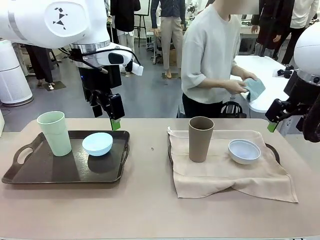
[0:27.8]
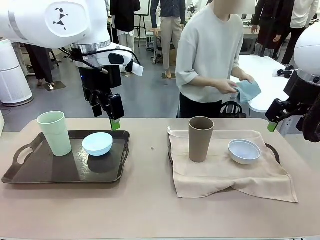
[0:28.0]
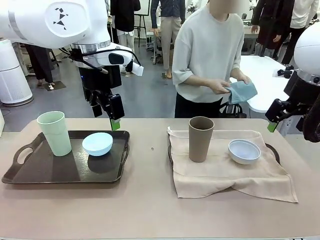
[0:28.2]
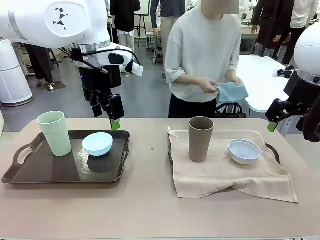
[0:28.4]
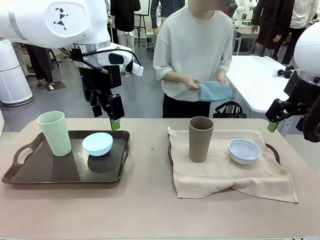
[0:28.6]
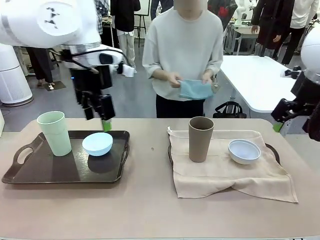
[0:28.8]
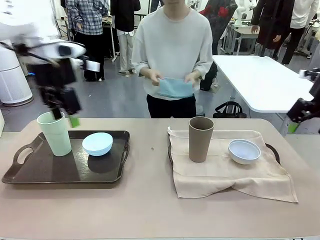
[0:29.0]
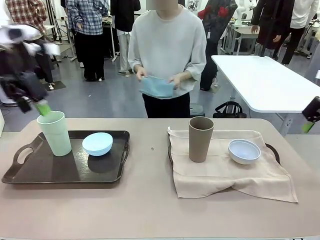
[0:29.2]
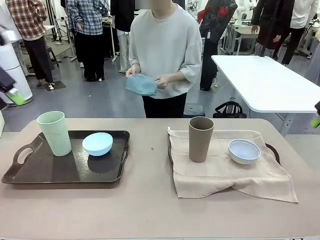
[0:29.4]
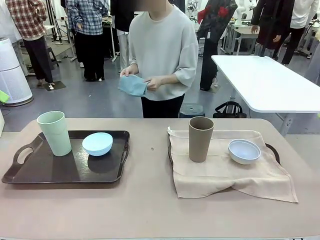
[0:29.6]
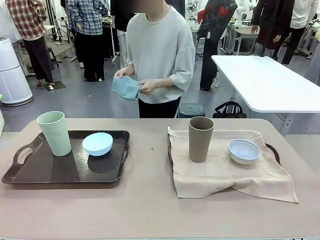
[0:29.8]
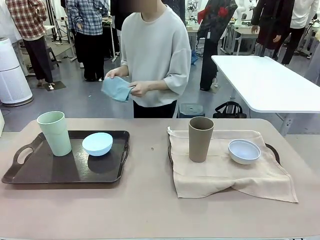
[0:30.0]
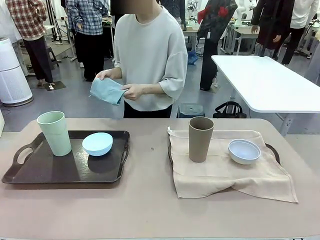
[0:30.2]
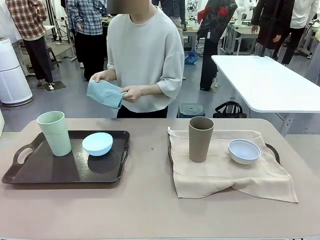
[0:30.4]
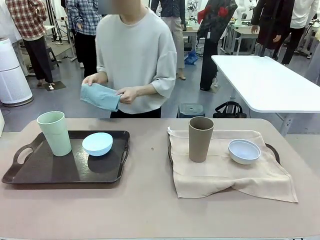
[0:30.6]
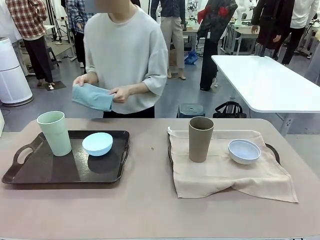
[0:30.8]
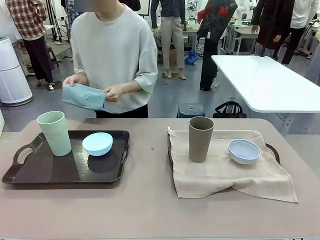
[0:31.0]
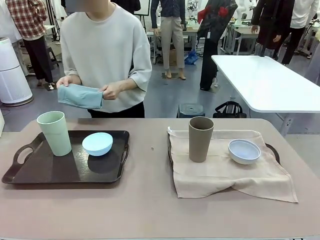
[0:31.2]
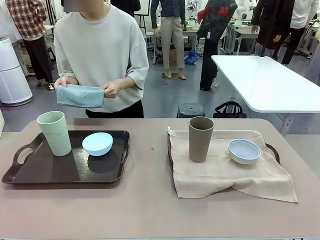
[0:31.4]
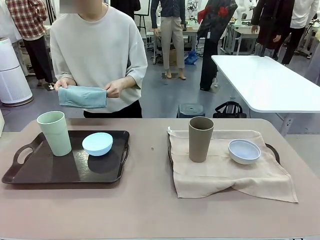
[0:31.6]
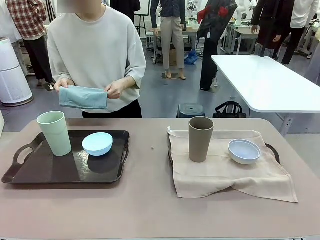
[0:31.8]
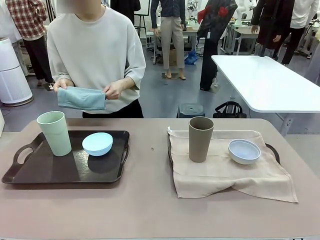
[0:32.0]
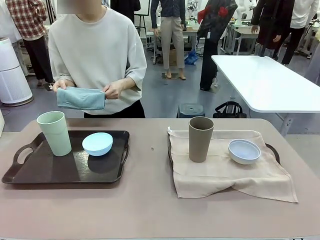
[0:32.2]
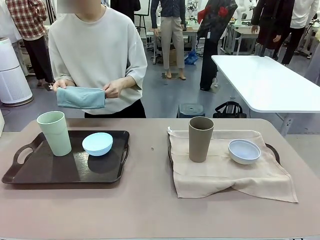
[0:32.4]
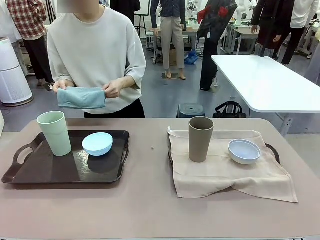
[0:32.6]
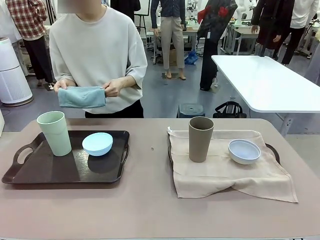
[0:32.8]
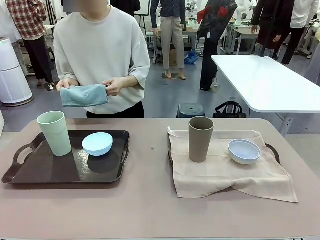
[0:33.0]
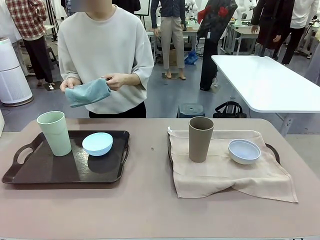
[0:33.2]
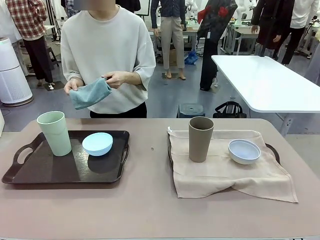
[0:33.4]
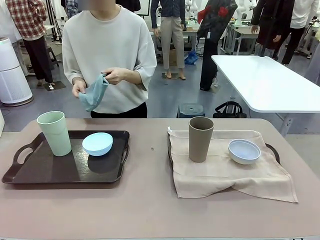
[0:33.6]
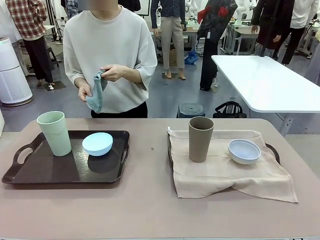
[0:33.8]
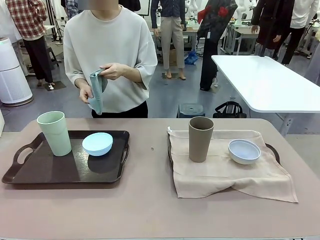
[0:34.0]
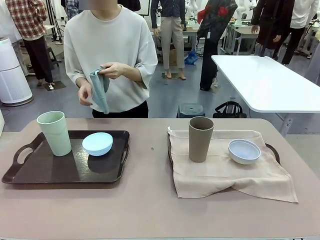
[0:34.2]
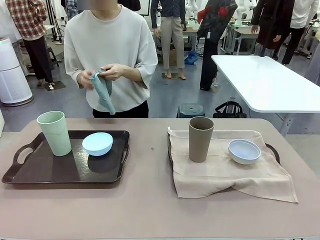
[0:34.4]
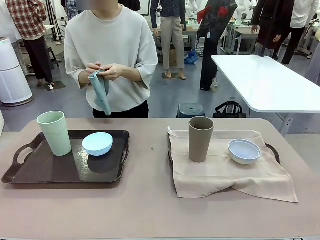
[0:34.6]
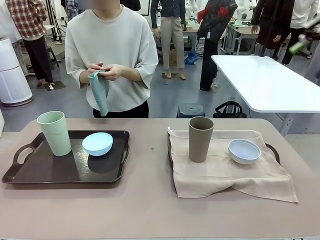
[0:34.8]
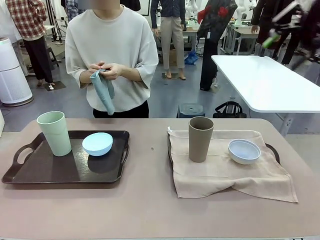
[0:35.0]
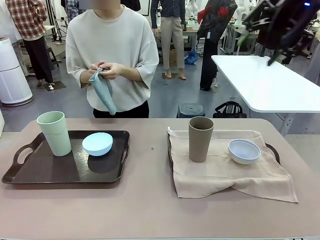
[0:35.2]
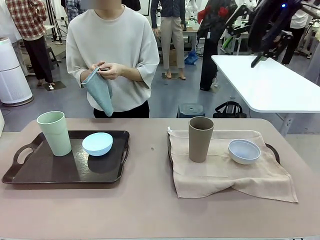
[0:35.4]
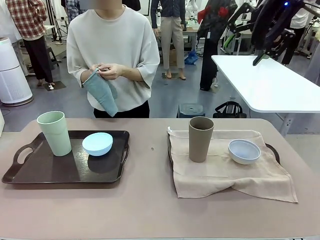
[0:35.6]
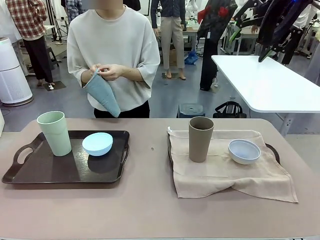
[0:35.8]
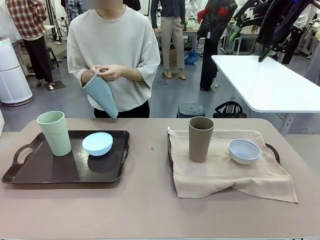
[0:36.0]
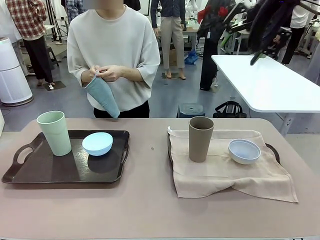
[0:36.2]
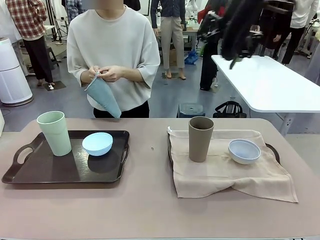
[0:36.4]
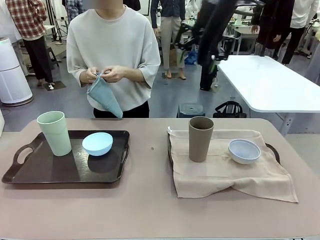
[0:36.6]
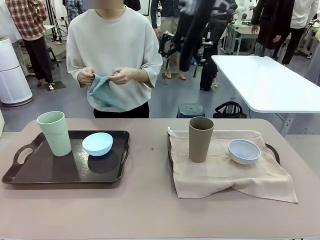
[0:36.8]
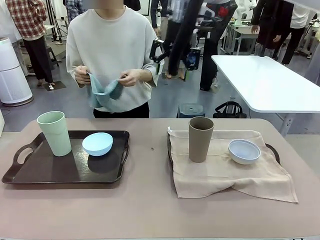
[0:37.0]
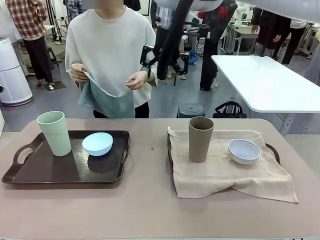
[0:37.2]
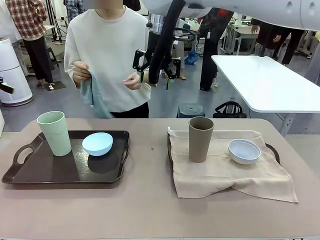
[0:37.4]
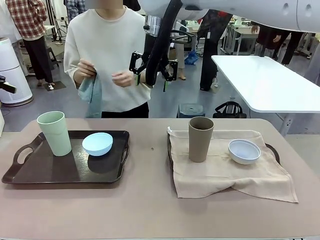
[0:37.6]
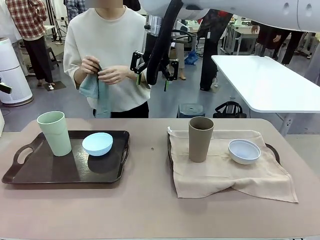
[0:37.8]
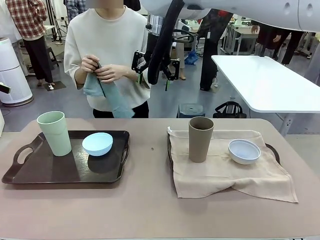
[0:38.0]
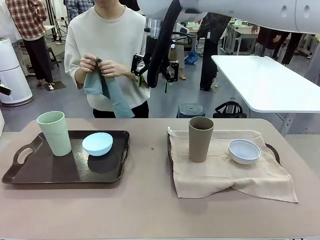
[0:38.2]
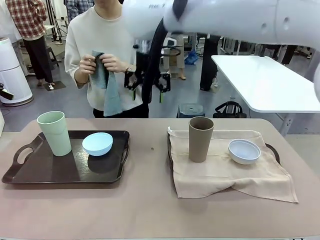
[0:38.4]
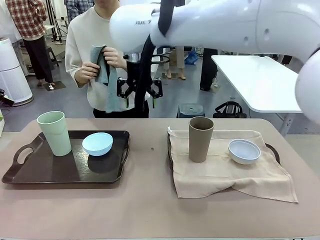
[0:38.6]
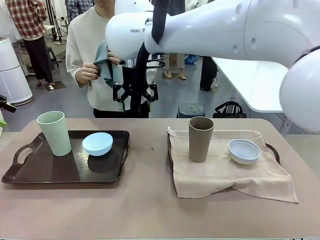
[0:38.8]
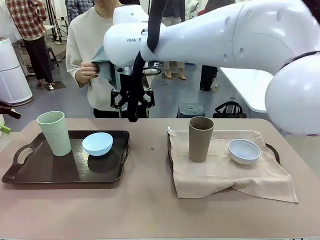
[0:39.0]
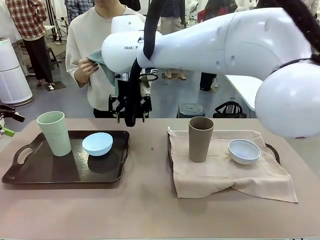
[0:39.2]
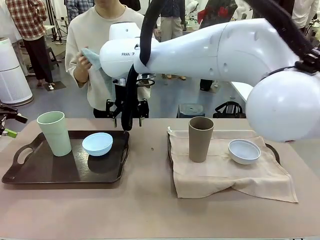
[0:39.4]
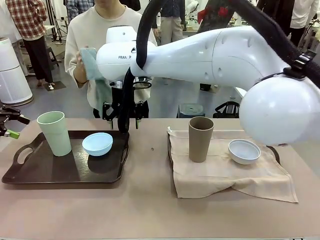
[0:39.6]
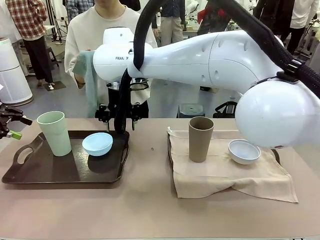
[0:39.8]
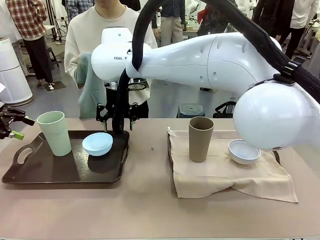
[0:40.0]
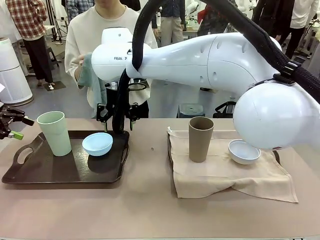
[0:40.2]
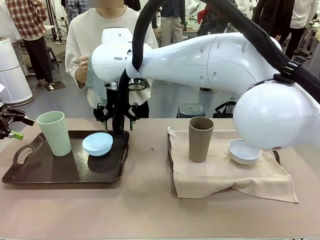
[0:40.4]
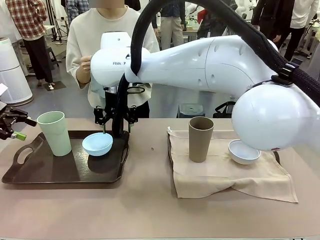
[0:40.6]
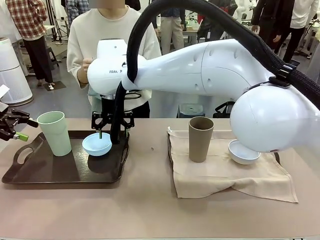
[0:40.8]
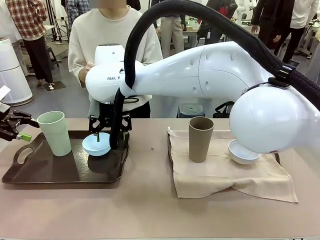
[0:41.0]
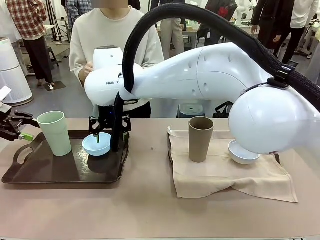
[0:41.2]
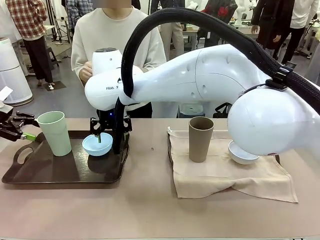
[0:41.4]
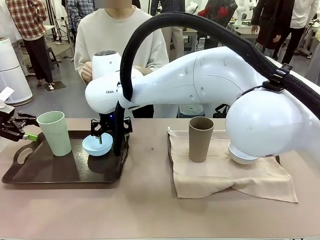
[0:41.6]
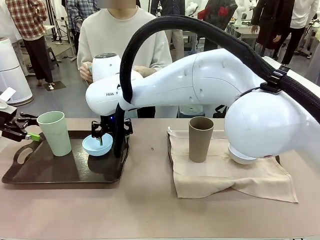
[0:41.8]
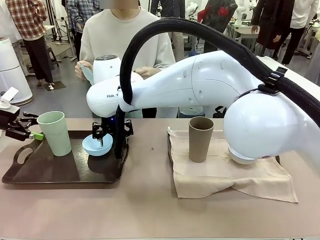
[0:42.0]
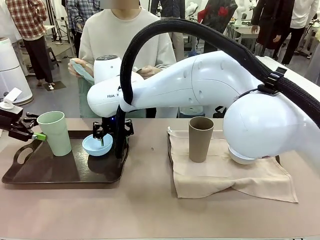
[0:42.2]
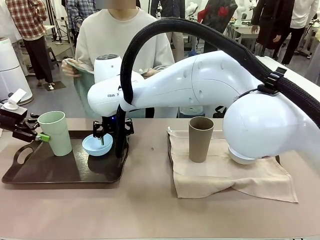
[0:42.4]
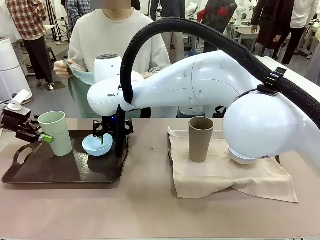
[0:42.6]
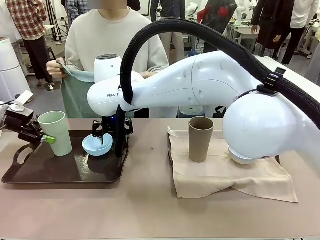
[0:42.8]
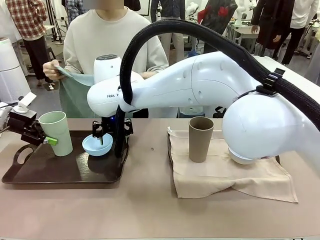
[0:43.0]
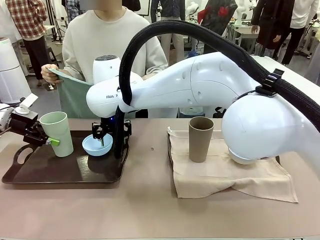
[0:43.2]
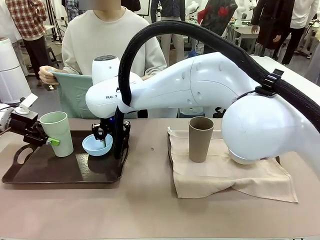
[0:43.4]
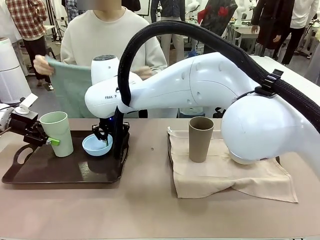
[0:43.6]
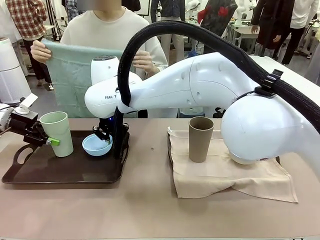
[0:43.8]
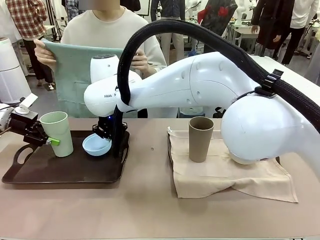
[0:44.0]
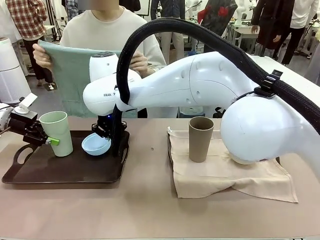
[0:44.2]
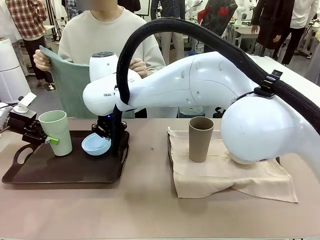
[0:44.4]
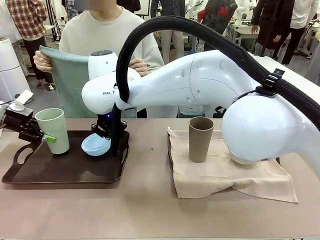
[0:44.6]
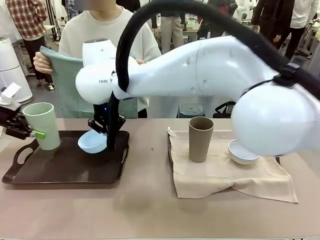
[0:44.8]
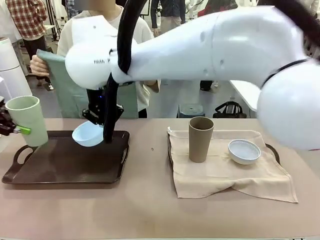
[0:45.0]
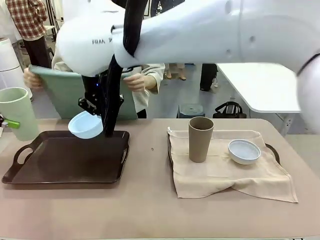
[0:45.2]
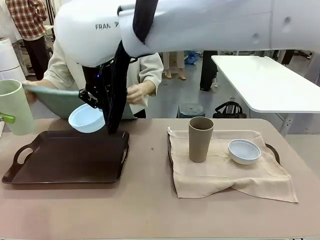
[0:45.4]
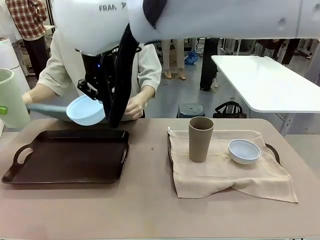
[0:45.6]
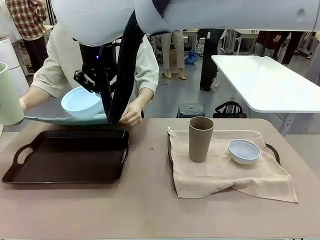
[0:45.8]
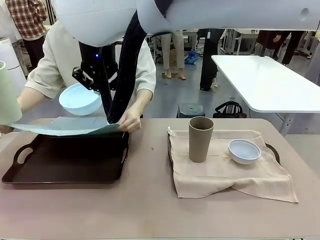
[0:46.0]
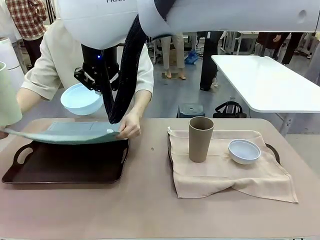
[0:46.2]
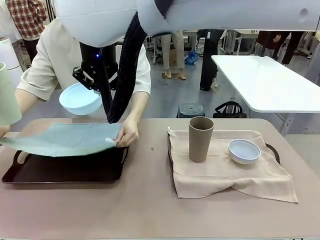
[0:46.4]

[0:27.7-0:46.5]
Robot: Pick up the Picnic Bowl and Reusable plastic cup from the Handle tray in front of the human's position and hold them in the air.
